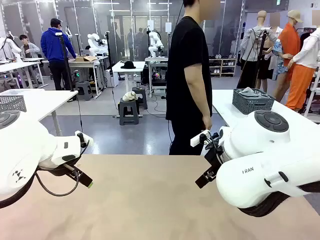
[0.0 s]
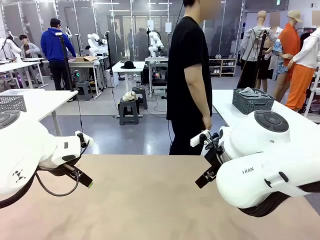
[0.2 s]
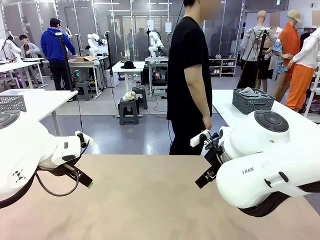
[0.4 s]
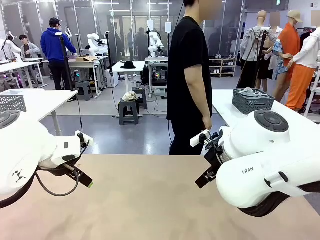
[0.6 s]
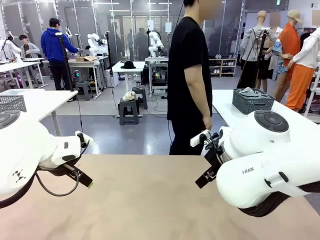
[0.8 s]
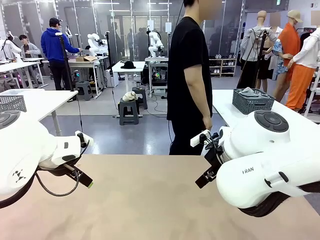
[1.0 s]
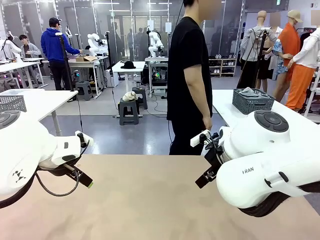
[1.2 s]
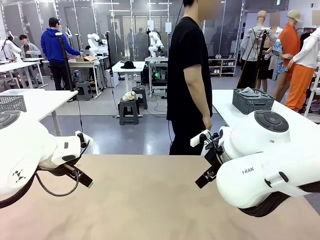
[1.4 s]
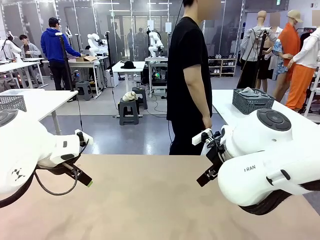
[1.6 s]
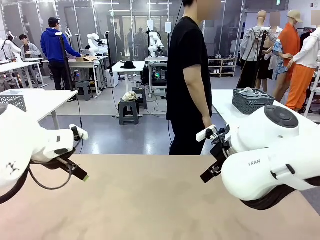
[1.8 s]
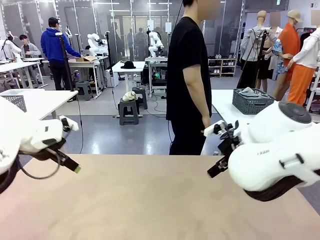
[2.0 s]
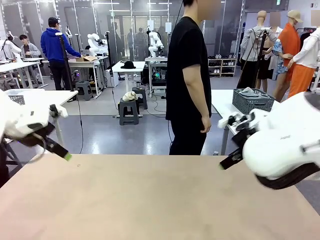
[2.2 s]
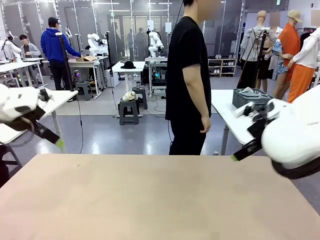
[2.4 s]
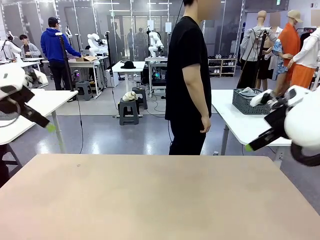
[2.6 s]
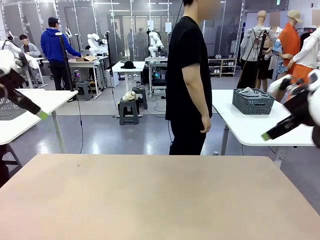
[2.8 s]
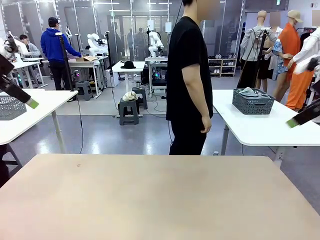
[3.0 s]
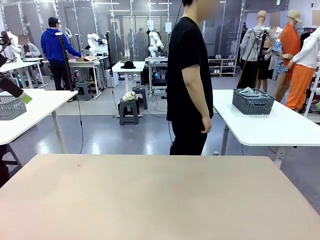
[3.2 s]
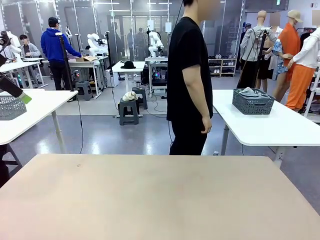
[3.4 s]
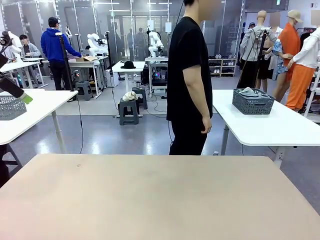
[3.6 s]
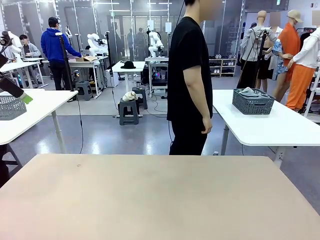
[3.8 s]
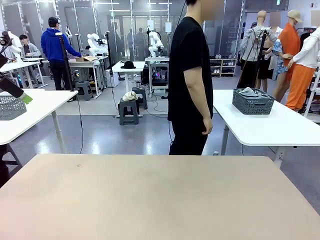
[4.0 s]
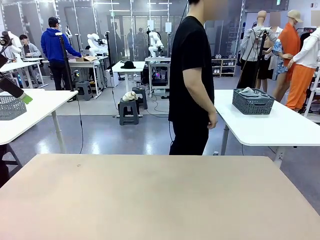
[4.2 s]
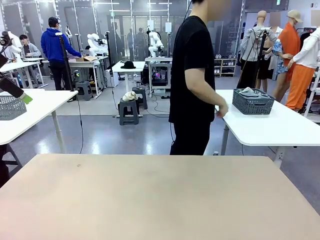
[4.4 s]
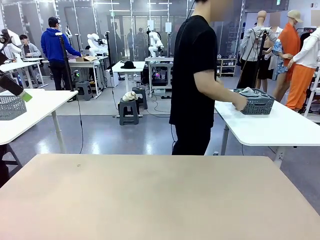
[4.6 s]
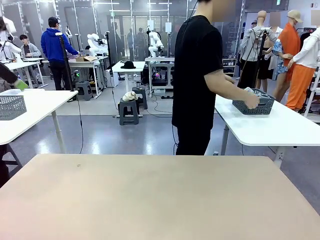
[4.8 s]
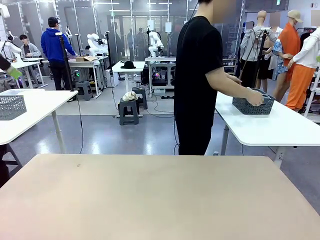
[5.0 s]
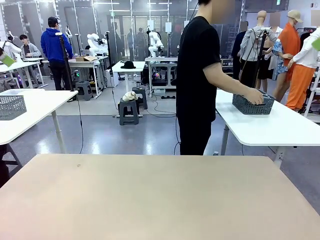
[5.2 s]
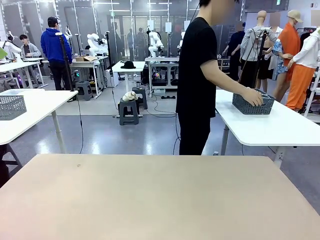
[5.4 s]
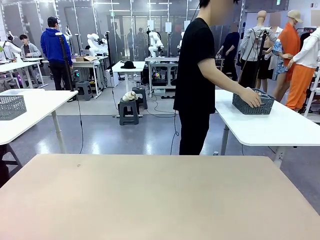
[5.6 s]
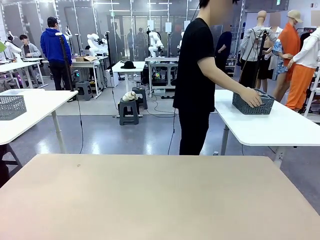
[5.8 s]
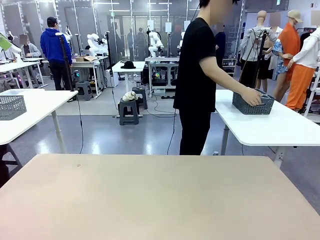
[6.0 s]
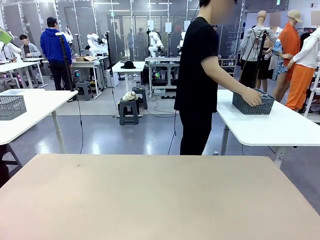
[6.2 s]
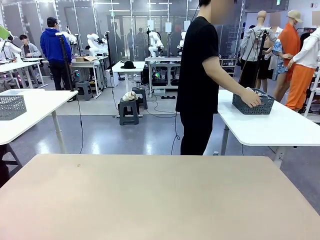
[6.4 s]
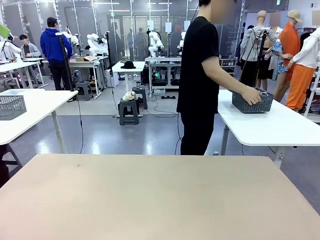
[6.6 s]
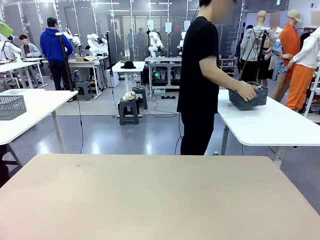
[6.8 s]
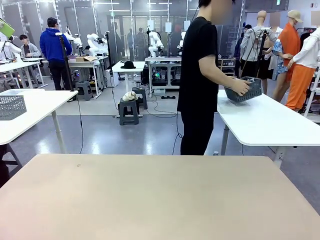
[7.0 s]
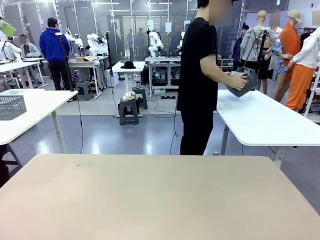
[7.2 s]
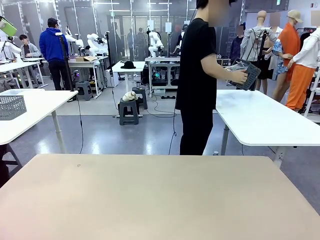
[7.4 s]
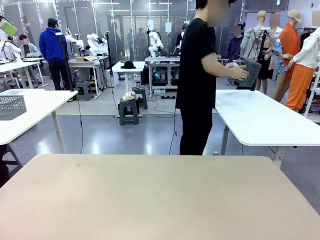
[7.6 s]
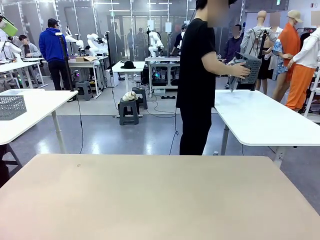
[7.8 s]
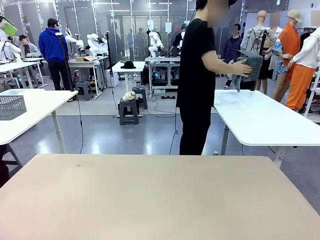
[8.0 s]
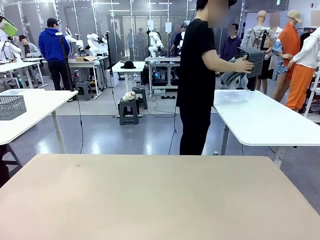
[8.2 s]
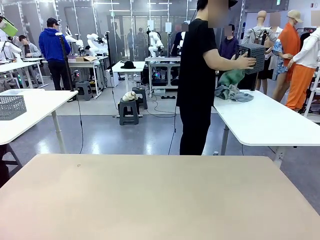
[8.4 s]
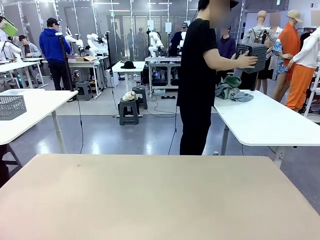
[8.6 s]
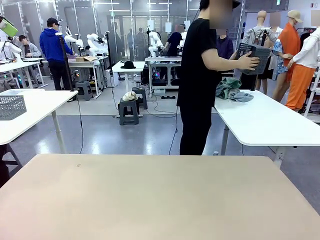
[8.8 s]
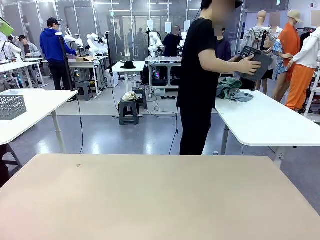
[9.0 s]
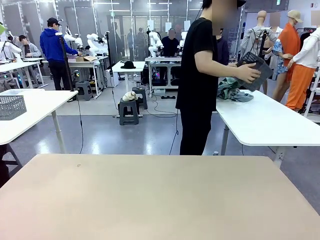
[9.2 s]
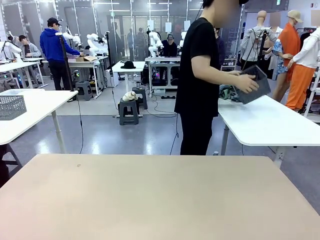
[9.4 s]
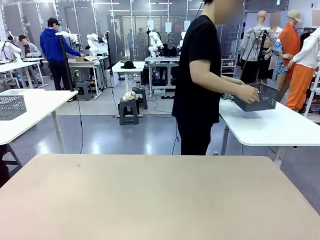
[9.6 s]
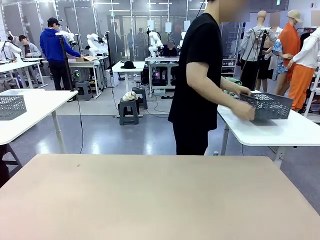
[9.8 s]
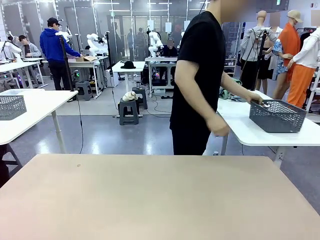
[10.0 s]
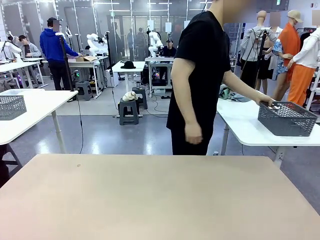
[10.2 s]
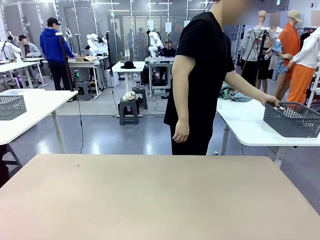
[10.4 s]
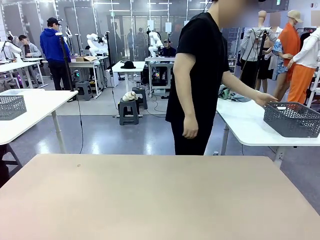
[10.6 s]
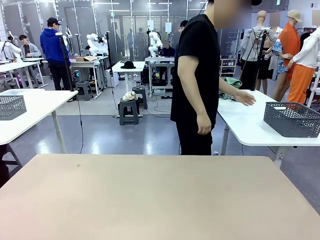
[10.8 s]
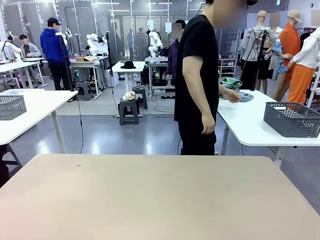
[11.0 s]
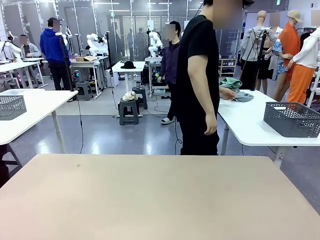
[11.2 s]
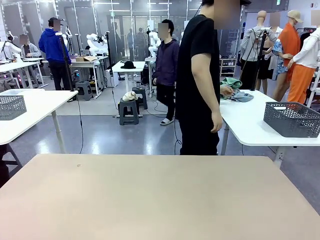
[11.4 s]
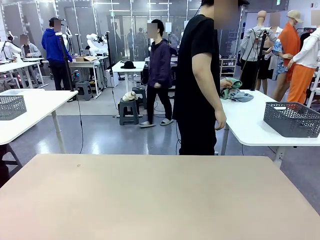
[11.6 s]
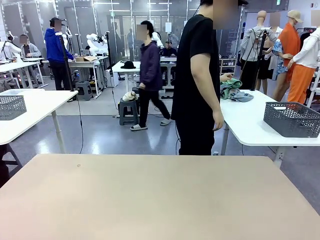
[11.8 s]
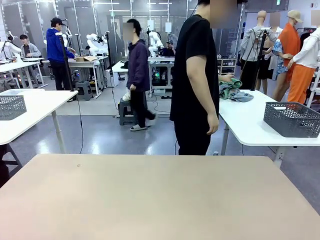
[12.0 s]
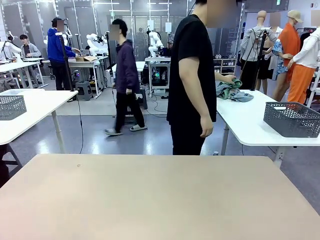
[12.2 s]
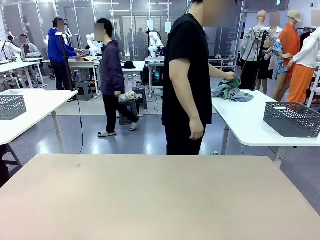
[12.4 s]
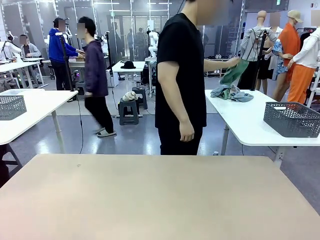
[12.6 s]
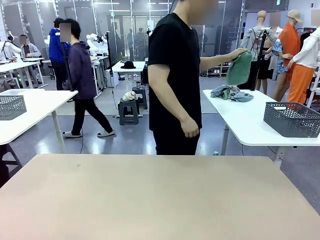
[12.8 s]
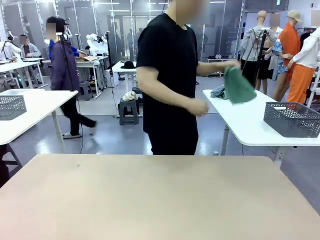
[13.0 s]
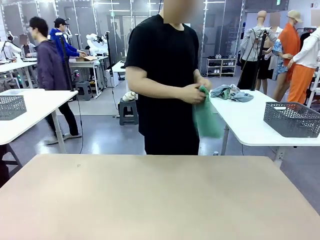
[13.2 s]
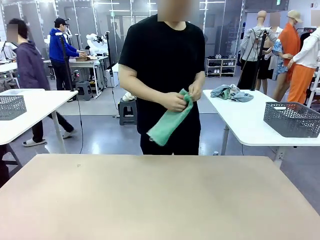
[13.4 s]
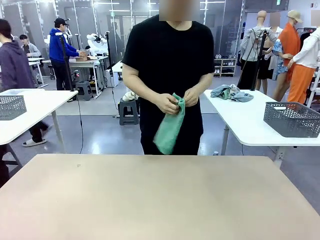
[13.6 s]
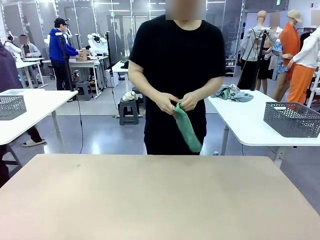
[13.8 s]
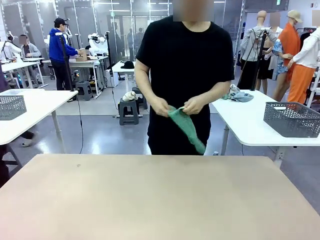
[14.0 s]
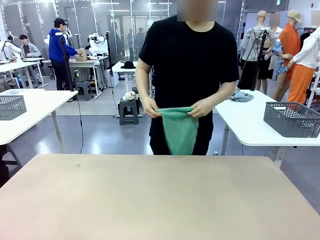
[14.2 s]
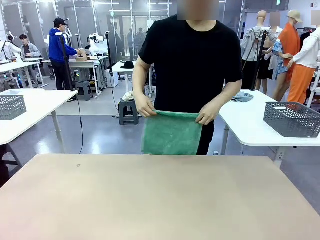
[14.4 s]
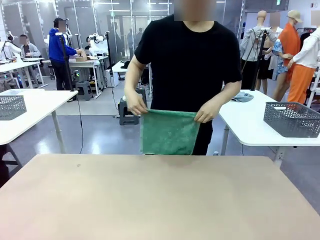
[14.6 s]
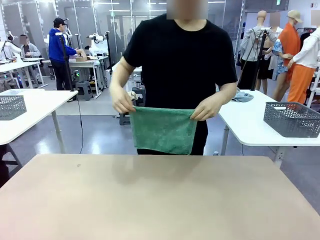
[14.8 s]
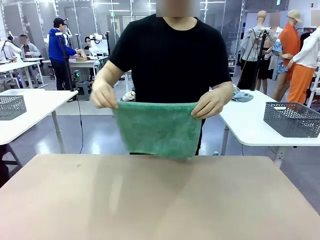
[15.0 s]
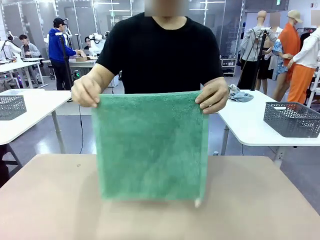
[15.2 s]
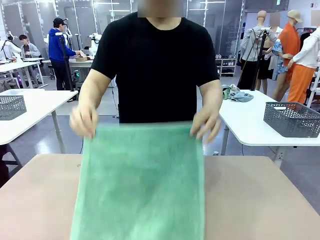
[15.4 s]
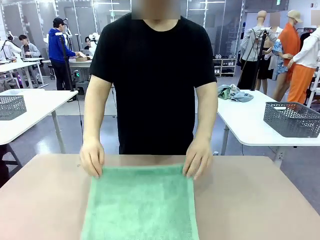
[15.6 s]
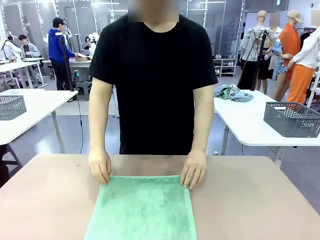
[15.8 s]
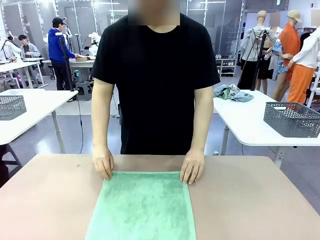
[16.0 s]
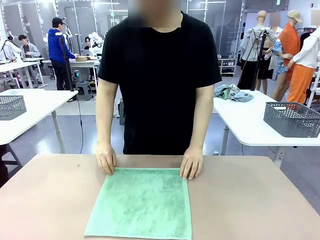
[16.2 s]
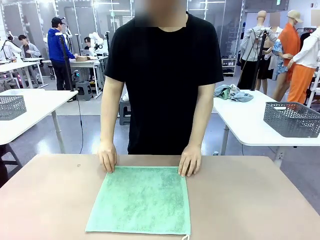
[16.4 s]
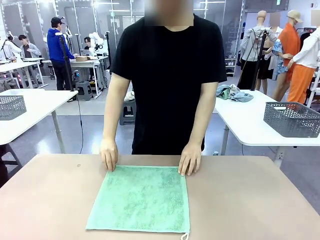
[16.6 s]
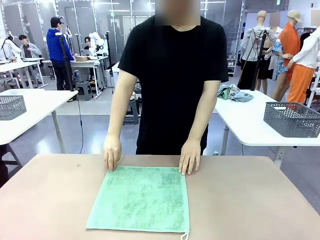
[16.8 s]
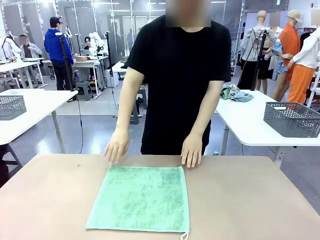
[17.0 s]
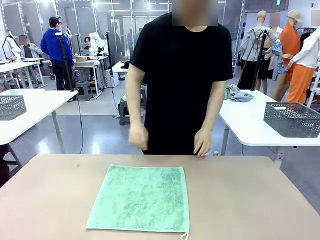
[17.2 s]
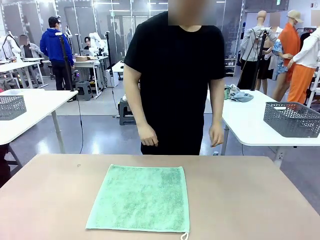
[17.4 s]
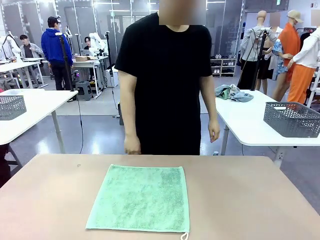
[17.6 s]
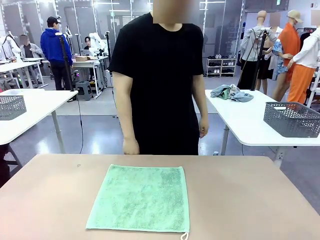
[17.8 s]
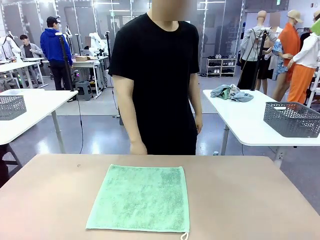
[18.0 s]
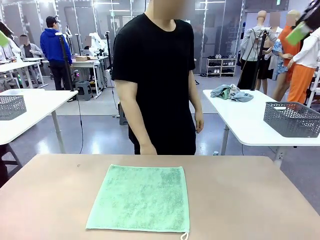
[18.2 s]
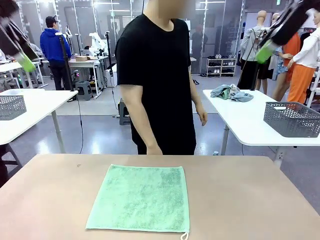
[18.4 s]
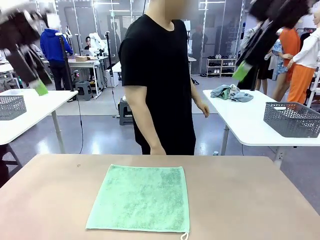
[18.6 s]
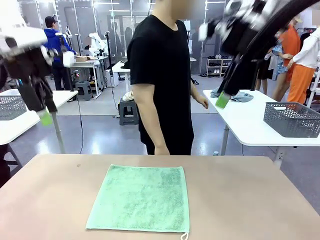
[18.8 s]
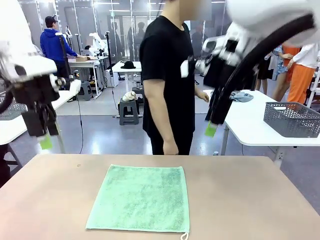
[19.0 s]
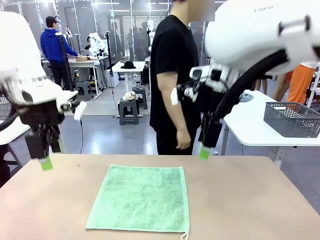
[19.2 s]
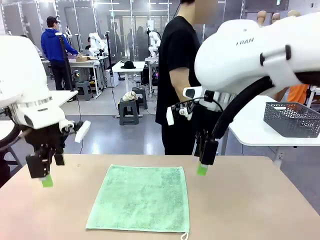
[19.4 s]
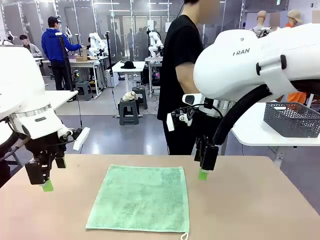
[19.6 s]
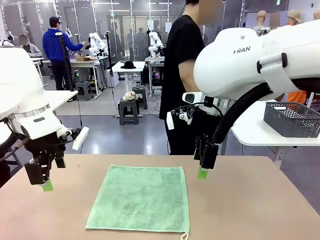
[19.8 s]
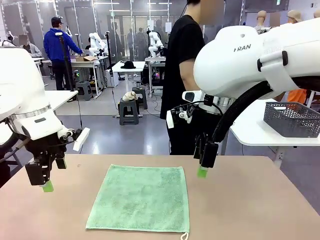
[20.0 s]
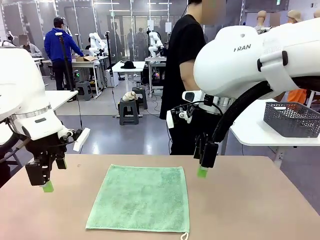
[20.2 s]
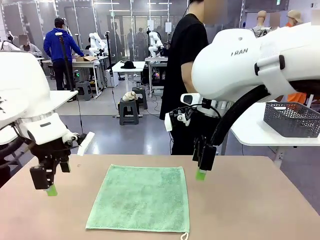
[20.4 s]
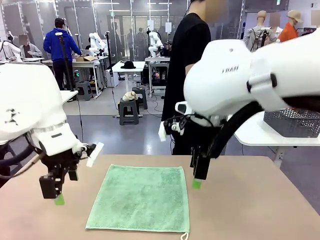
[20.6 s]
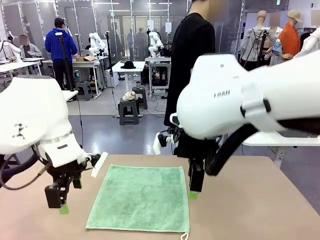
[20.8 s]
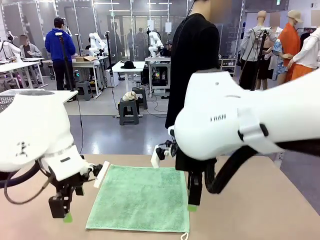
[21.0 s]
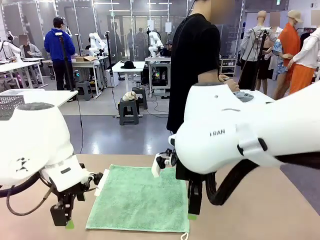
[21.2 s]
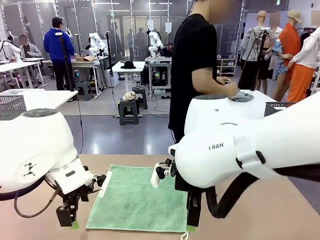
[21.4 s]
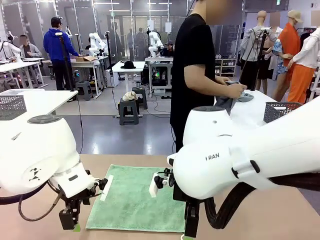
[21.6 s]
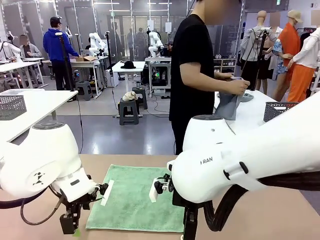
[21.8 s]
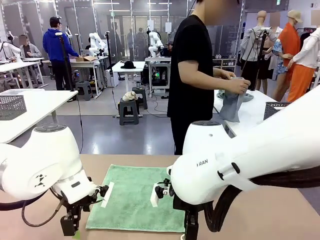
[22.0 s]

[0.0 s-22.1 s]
Task: Fold the towels and place them in the basket.
Robot: When a person lays out a Towel with hook on the table, fold it in half twice.
Person: Pick up the basket, pour the towels onto the left side of the human table, and place the basket on the right side. Pick up one towel and spread it out at the center of the robot table.
